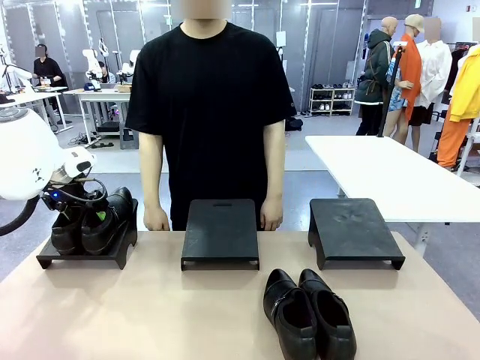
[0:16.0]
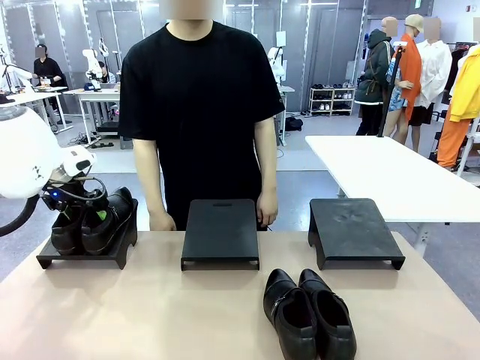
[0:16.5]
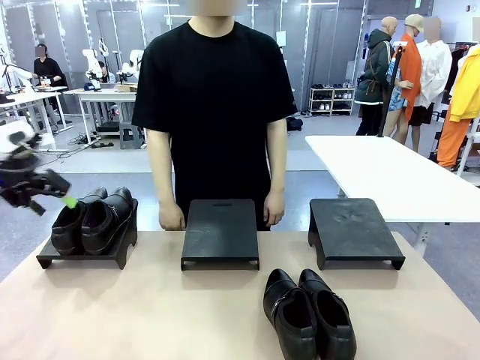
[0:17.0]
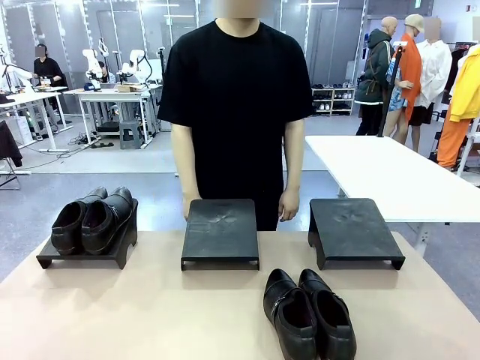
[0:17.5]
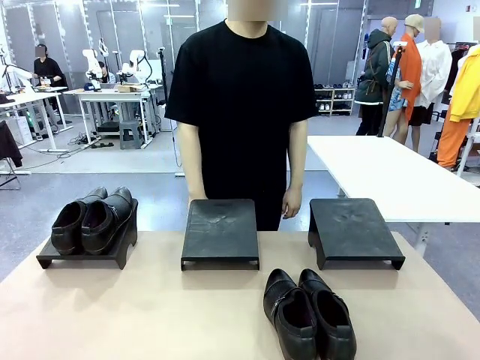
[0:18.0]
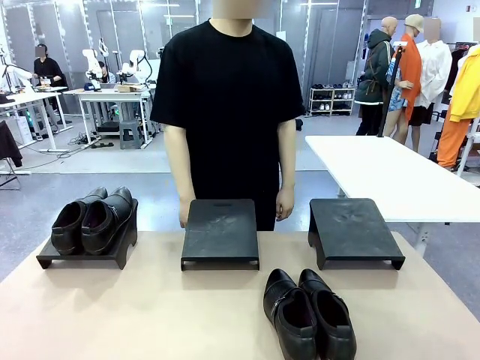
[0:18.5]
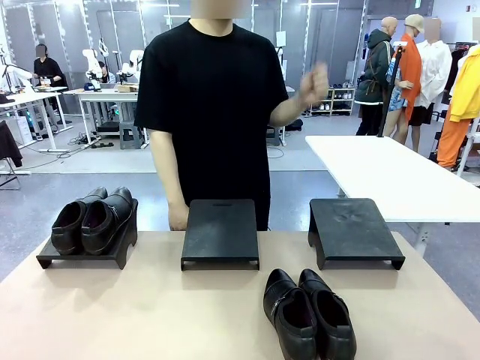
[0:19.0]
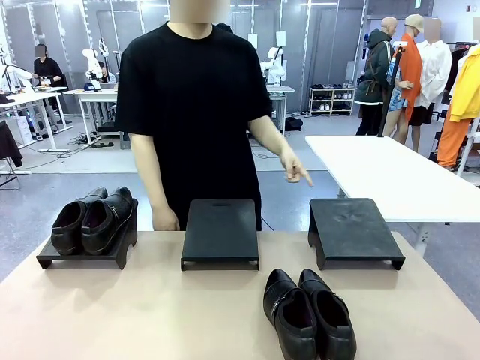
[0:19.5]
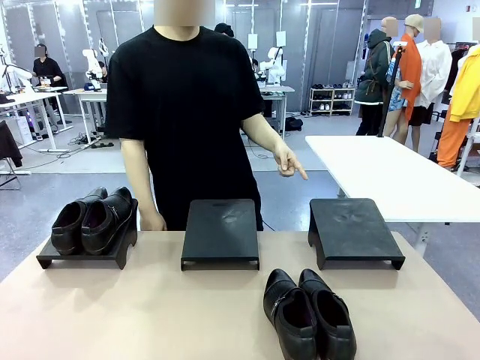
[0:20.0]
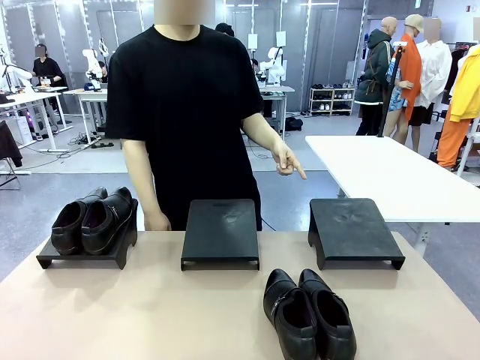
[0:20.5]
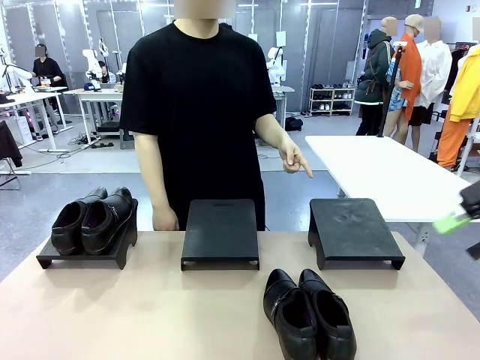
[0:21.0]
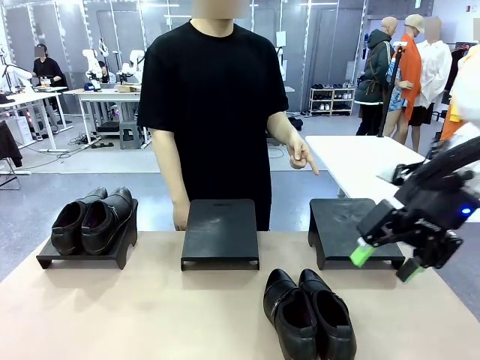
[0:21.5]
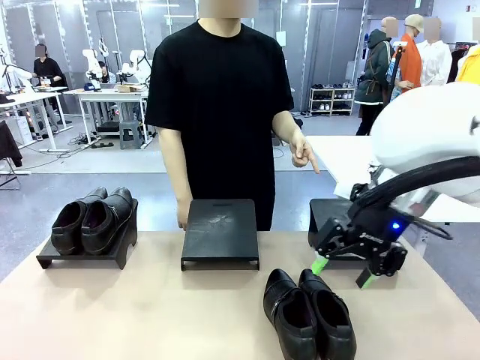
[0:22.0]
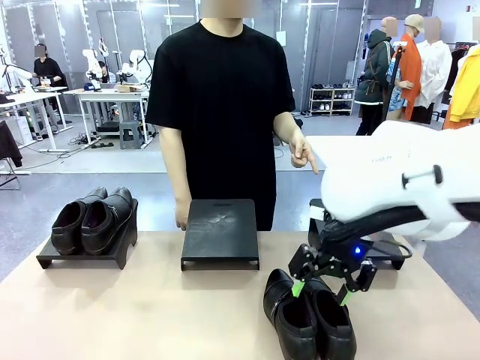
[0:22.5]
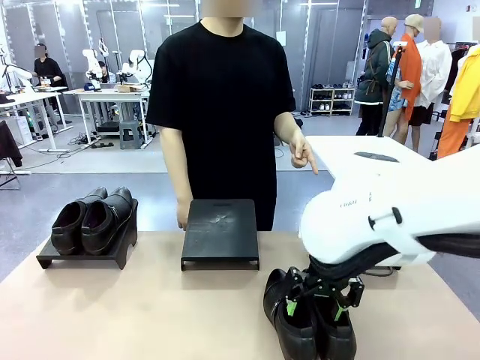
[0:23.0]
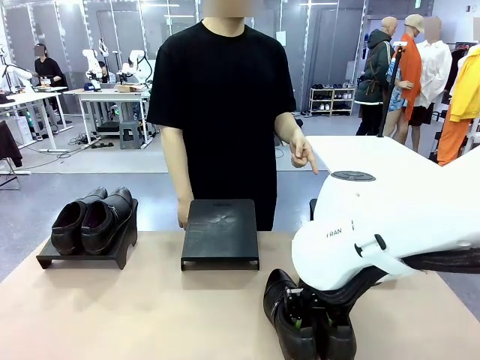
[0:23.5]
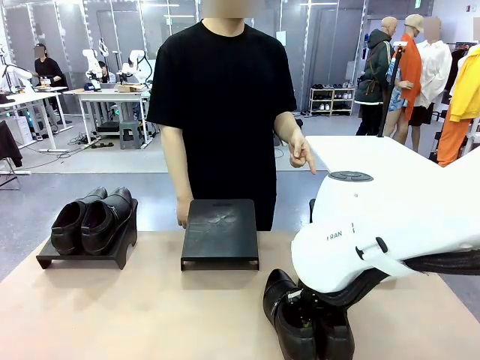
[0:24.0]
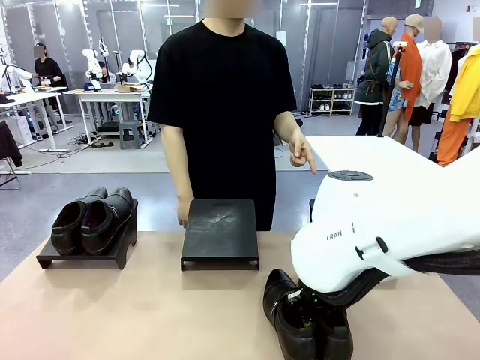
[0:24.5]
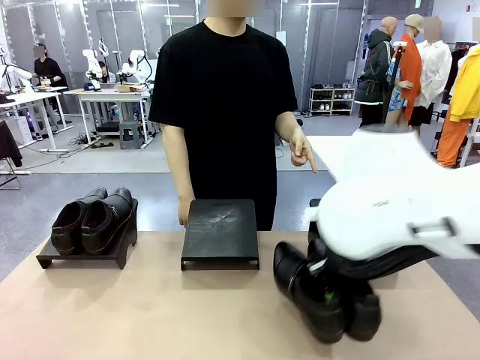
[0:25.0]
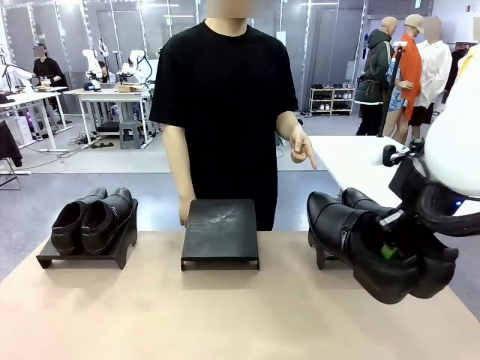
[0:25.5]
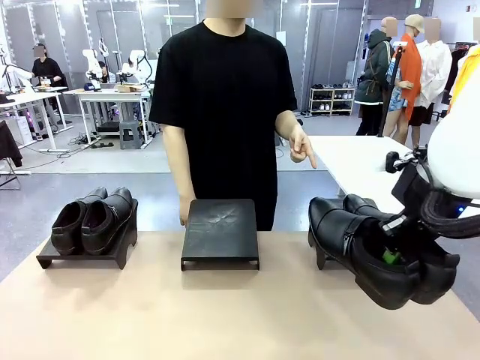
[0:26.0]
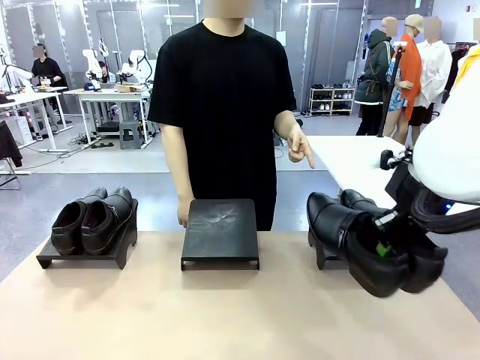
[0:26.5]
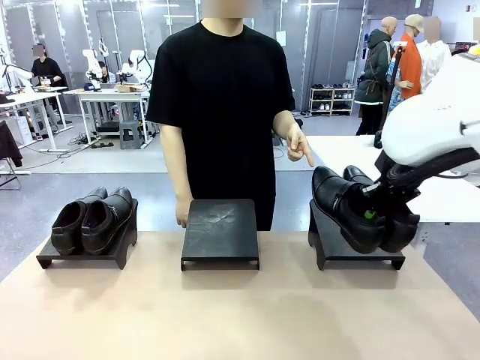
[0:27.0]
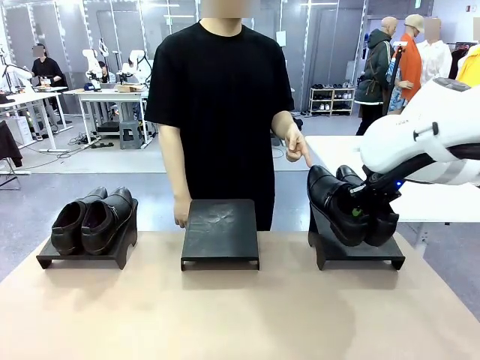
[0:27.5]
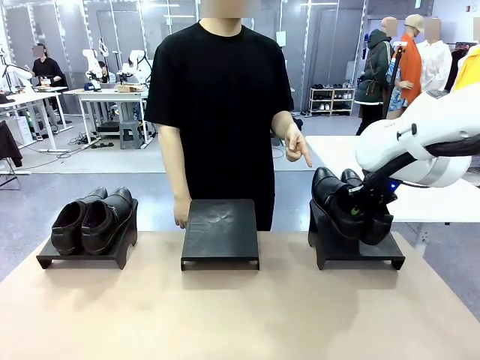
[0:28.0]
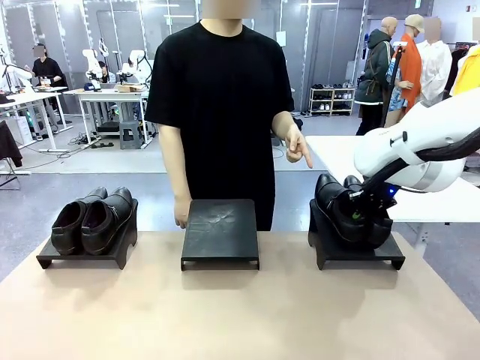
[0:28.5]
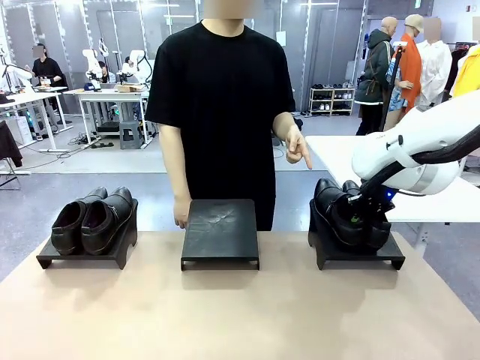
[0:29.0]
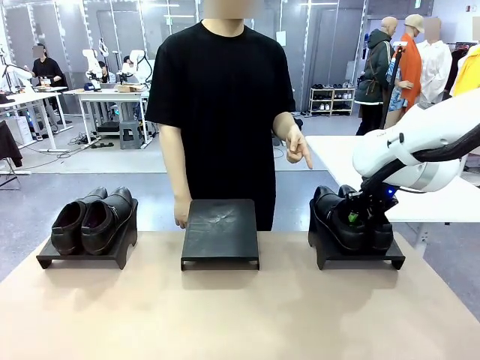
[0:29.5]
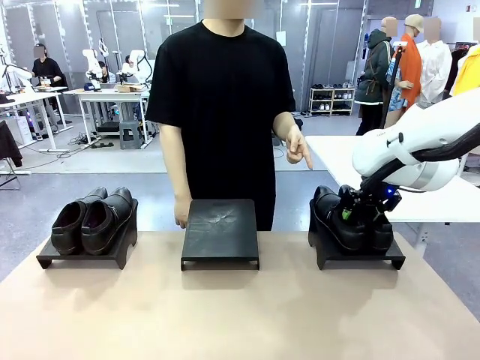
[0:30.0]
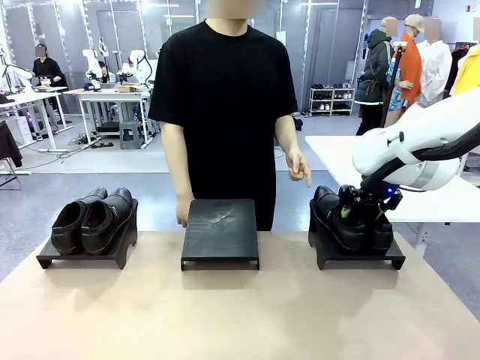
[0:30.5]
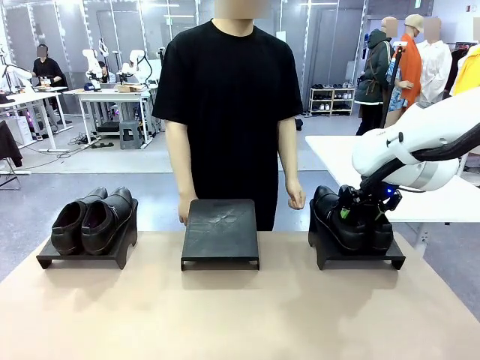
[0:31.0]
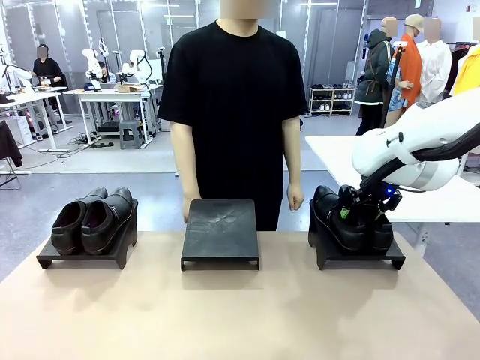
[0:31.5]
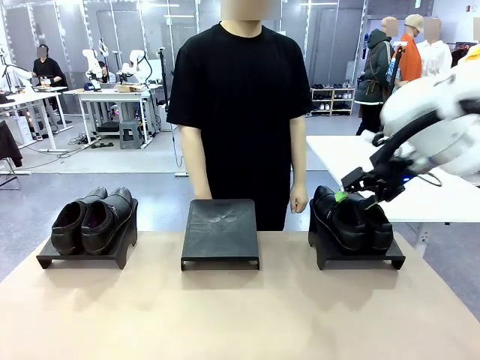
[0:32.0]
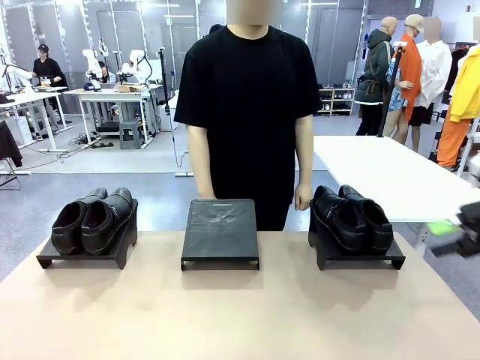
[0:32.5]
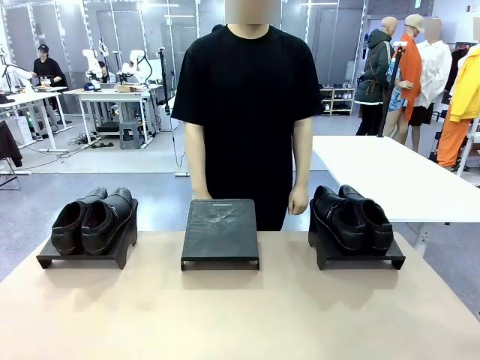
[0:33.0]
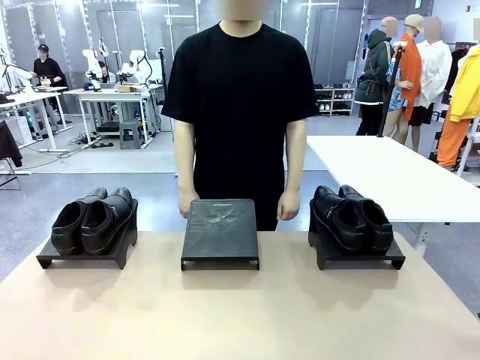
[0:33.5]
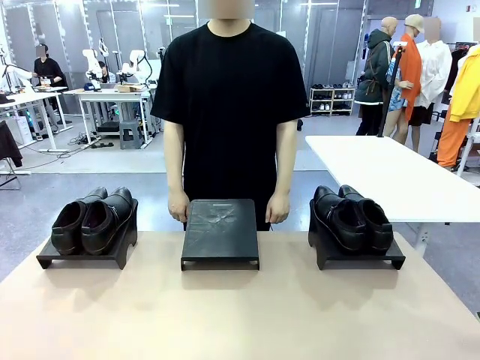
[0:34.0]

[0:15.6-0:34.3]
Task: Place the shoes on the stand as instructed by the person.
Robot: Pick up another pair of Shoes and place it on the Shoes Stand indicated by the person.
Person: Point to one Shoes Stand.
